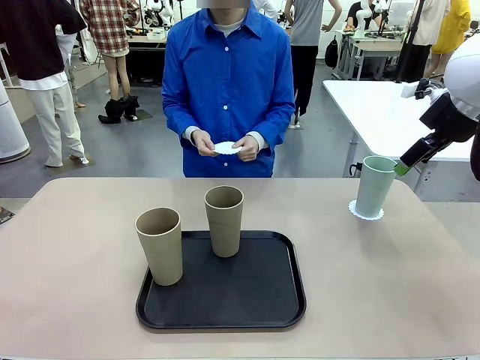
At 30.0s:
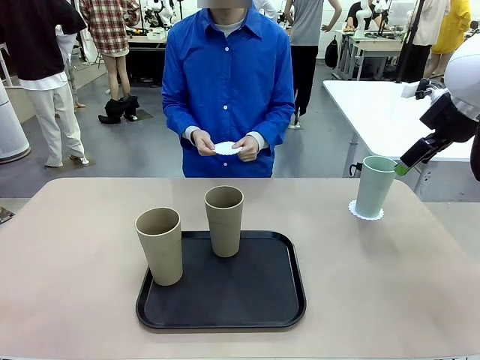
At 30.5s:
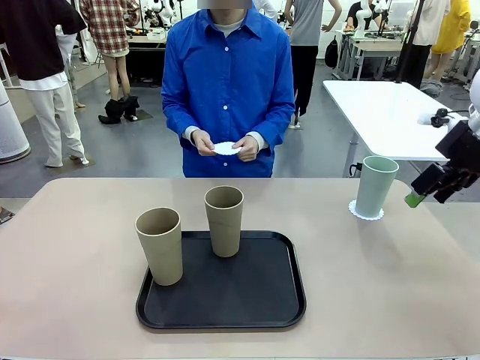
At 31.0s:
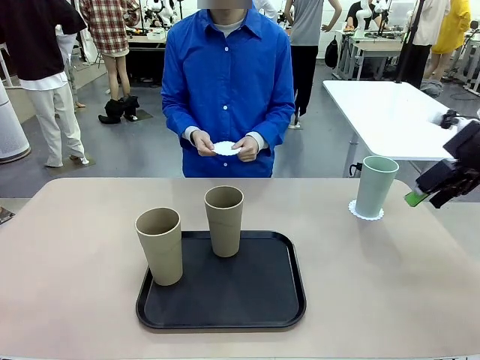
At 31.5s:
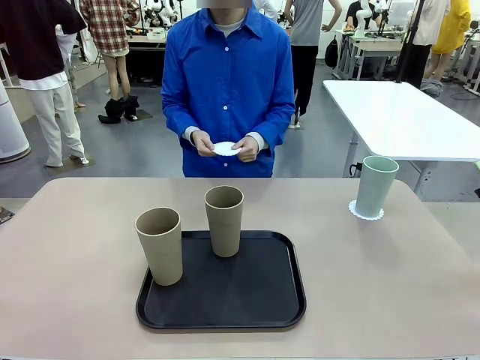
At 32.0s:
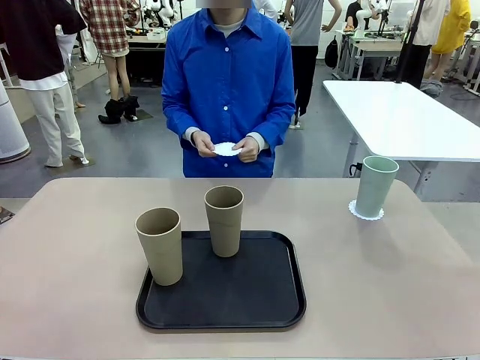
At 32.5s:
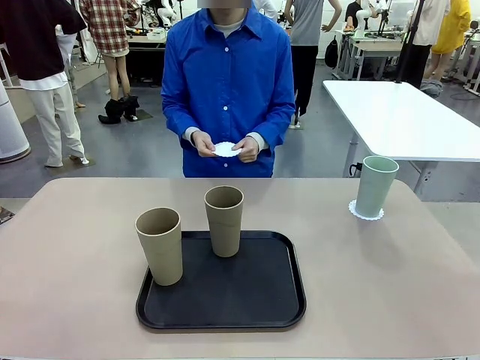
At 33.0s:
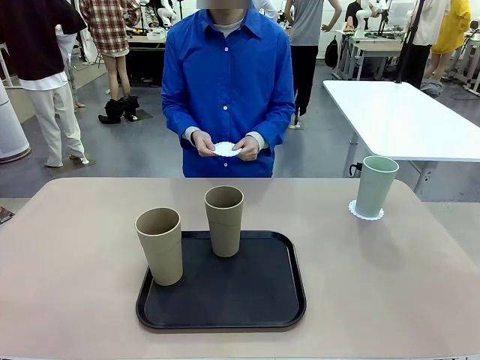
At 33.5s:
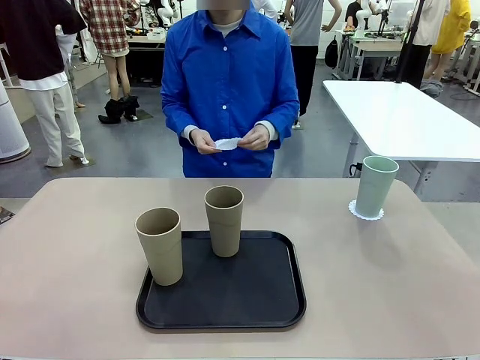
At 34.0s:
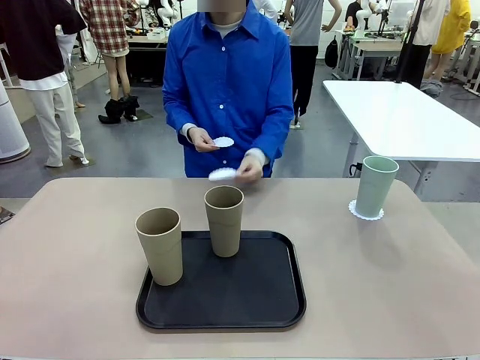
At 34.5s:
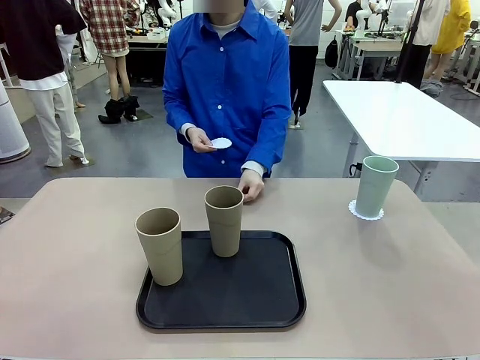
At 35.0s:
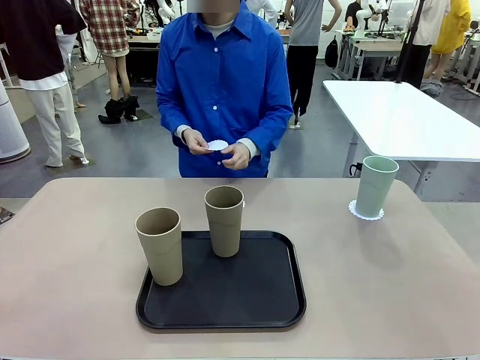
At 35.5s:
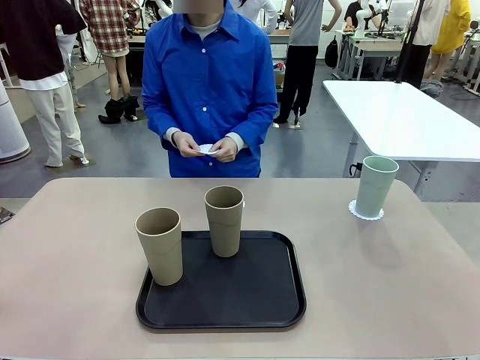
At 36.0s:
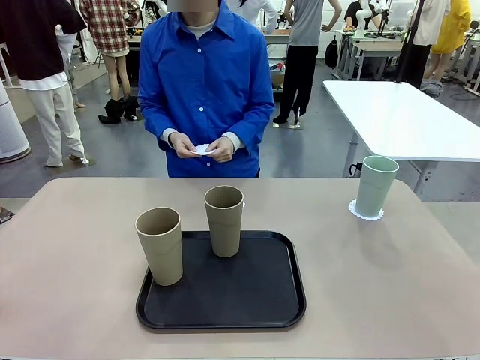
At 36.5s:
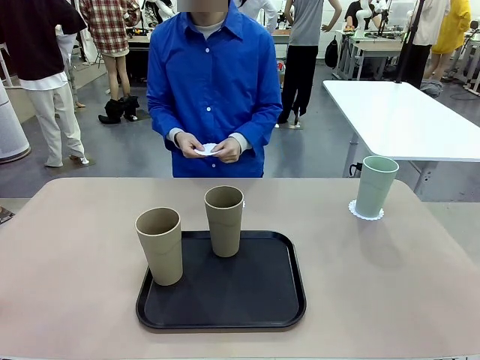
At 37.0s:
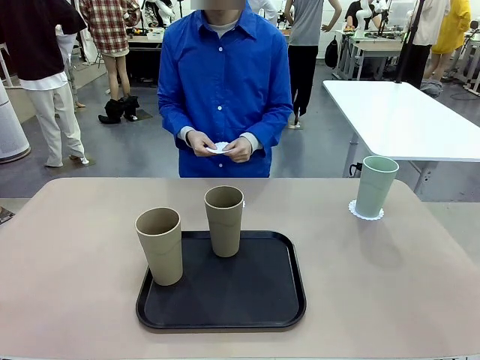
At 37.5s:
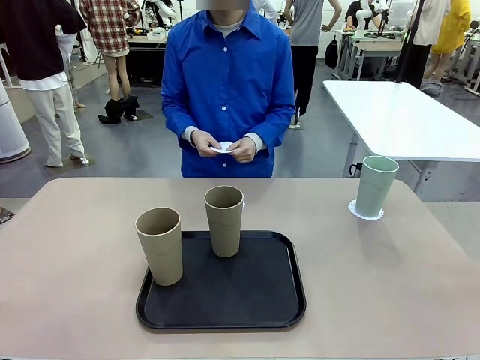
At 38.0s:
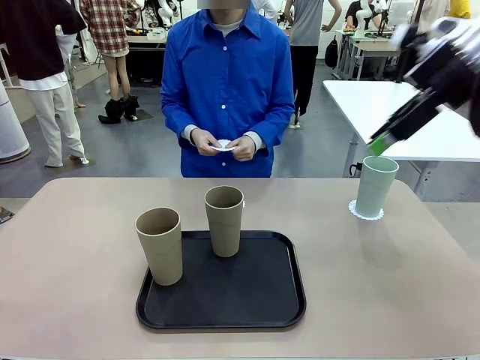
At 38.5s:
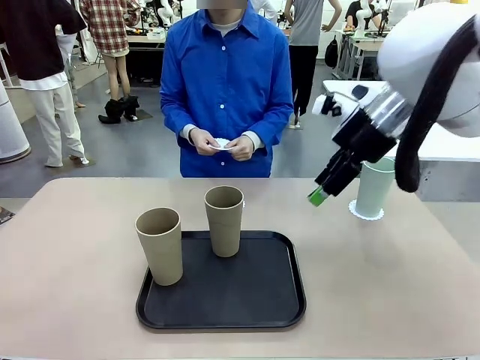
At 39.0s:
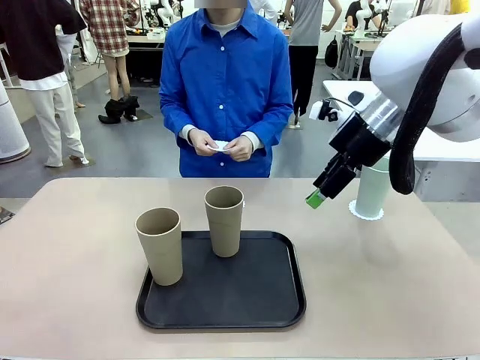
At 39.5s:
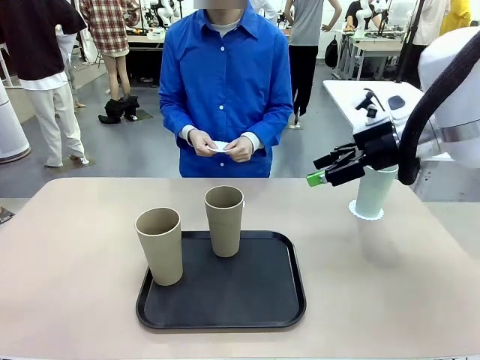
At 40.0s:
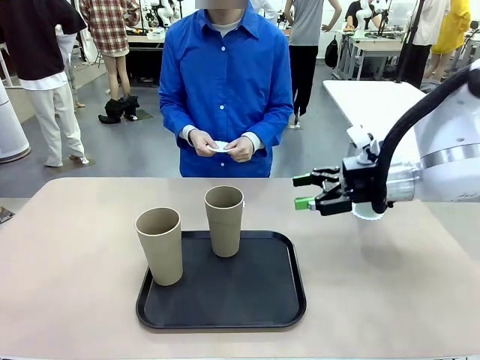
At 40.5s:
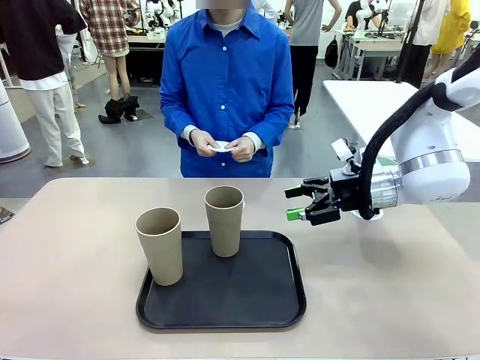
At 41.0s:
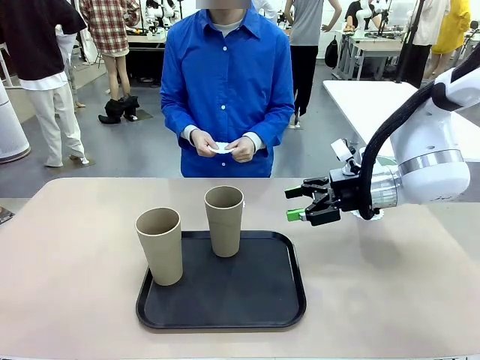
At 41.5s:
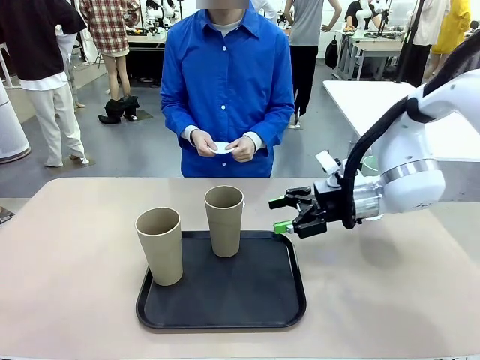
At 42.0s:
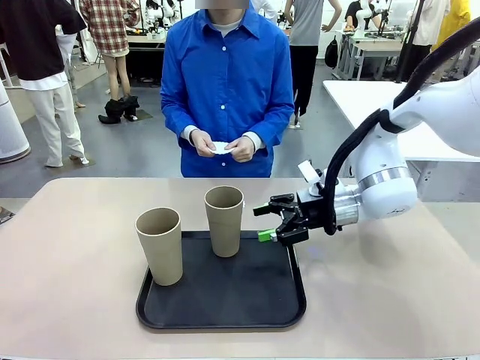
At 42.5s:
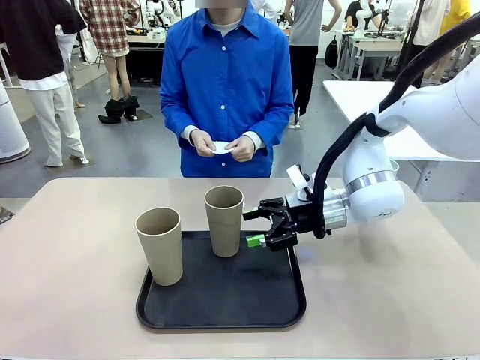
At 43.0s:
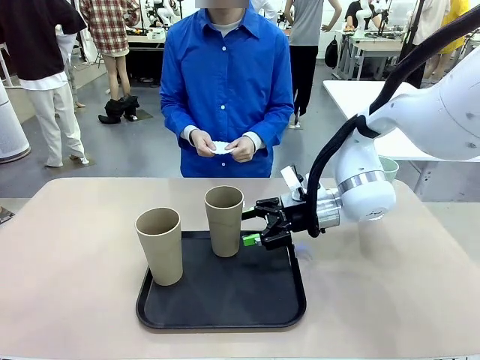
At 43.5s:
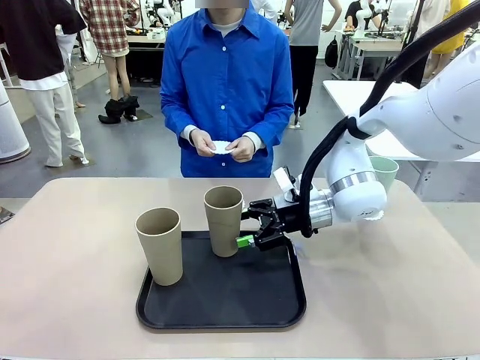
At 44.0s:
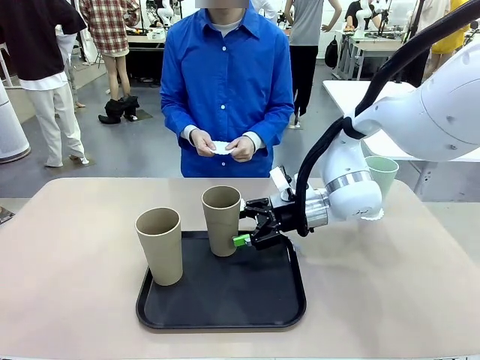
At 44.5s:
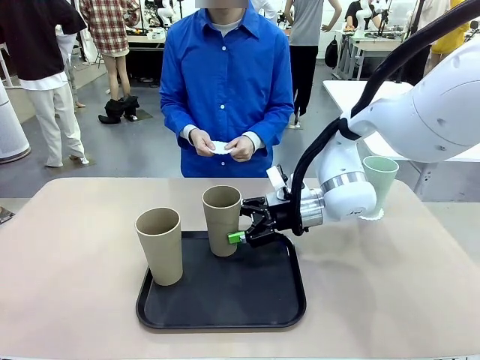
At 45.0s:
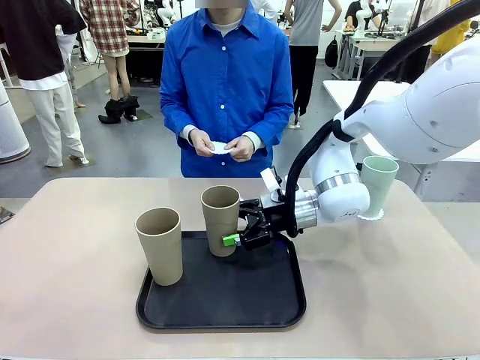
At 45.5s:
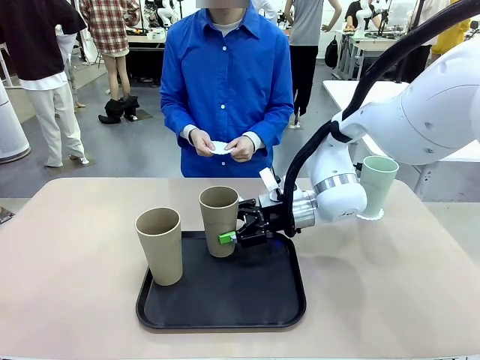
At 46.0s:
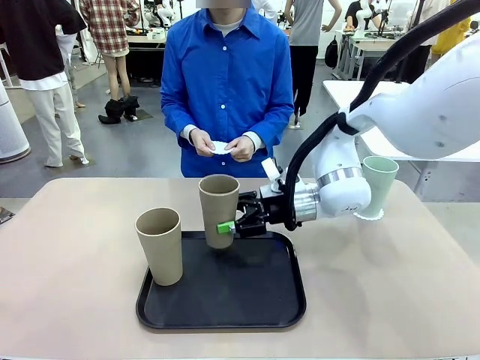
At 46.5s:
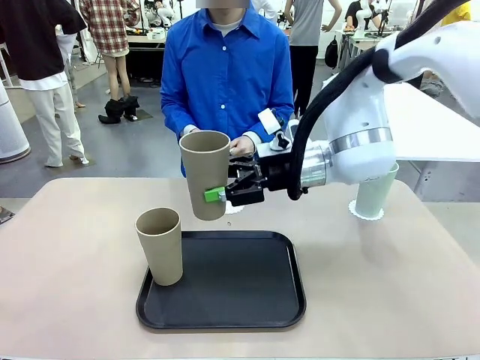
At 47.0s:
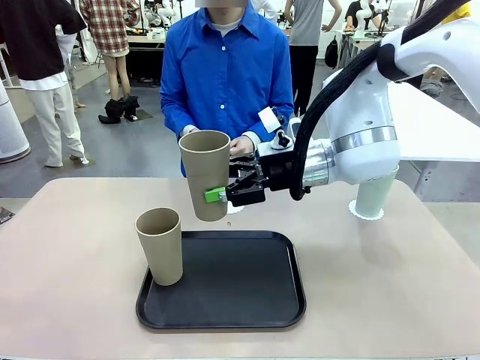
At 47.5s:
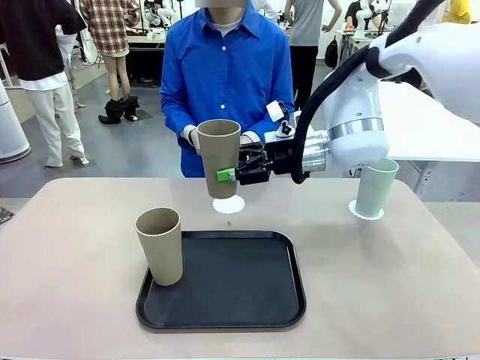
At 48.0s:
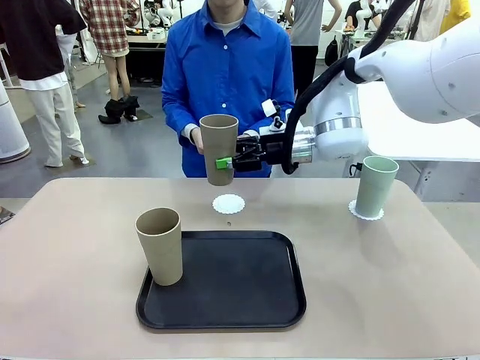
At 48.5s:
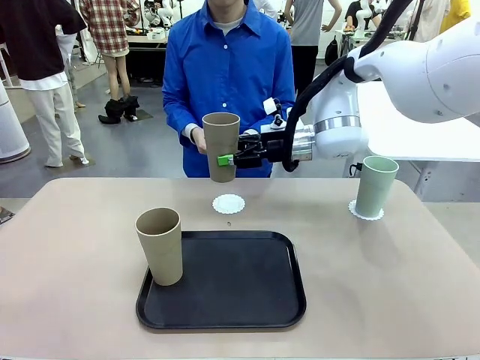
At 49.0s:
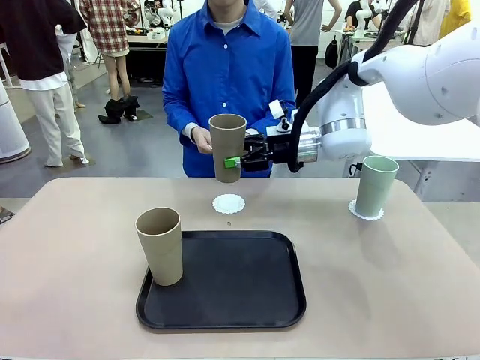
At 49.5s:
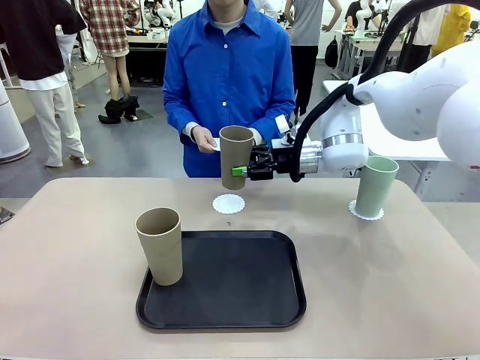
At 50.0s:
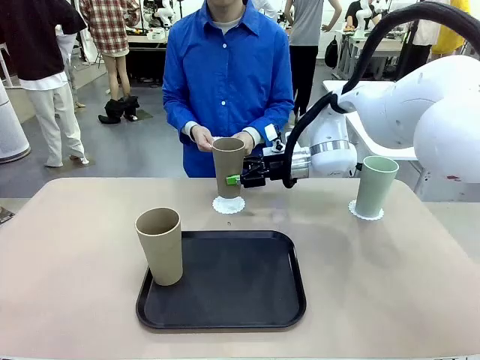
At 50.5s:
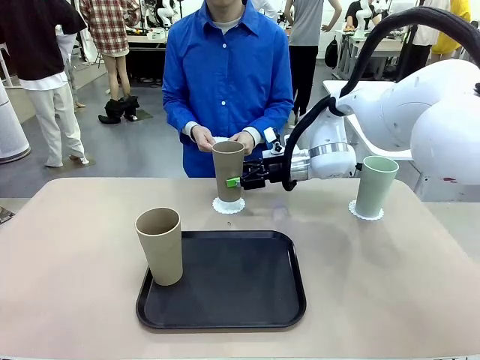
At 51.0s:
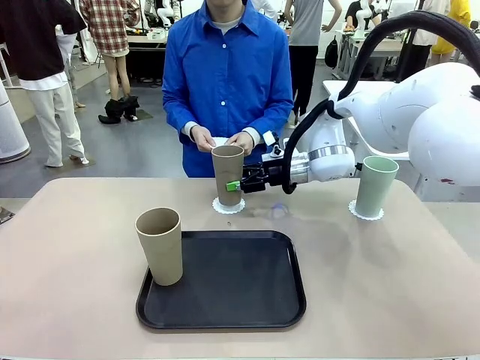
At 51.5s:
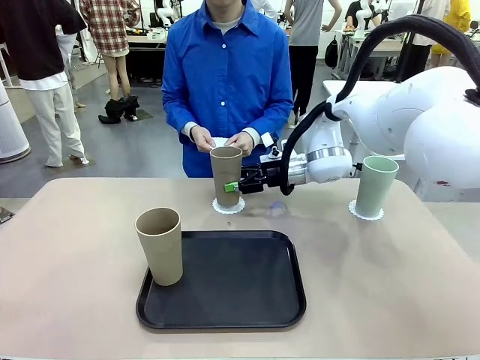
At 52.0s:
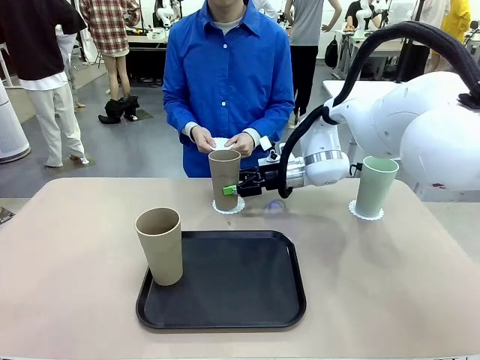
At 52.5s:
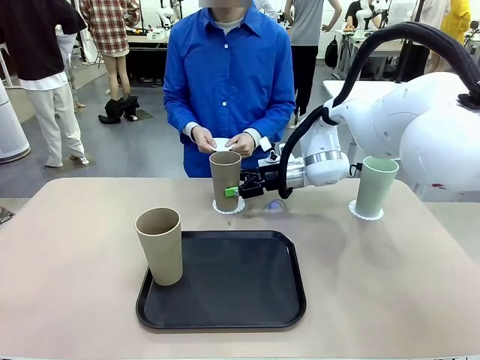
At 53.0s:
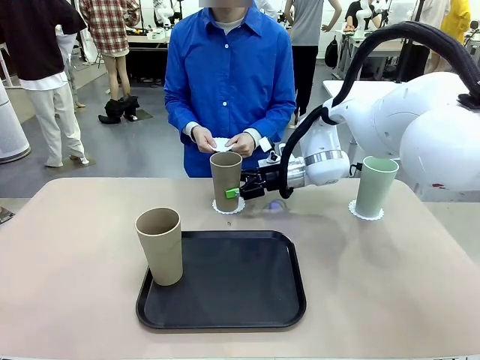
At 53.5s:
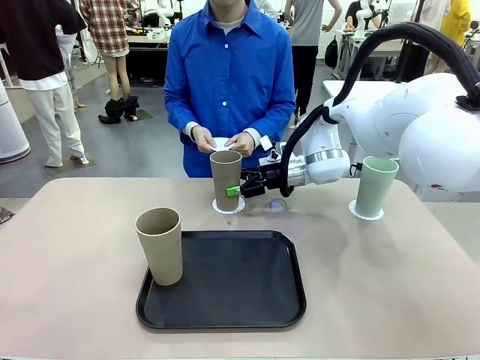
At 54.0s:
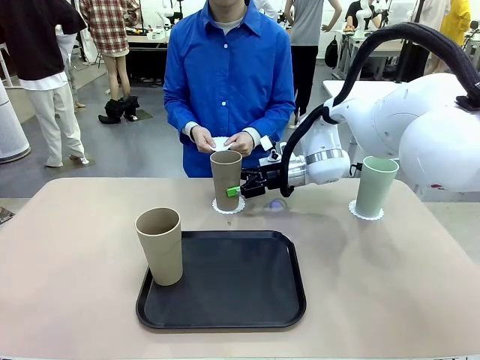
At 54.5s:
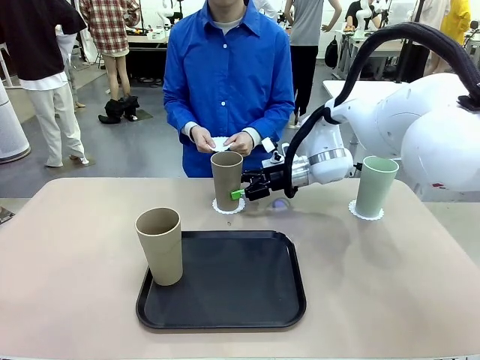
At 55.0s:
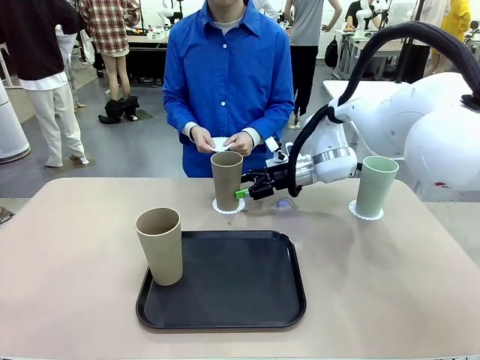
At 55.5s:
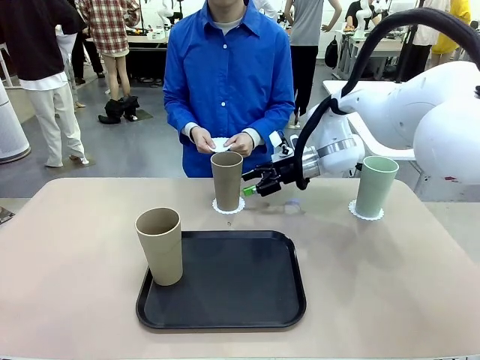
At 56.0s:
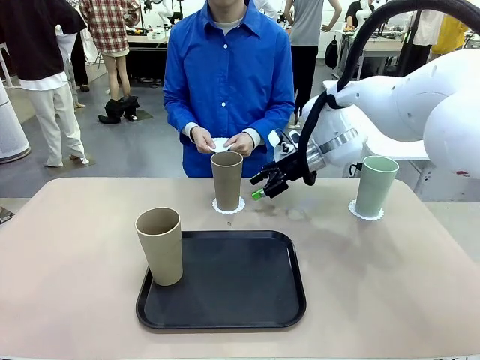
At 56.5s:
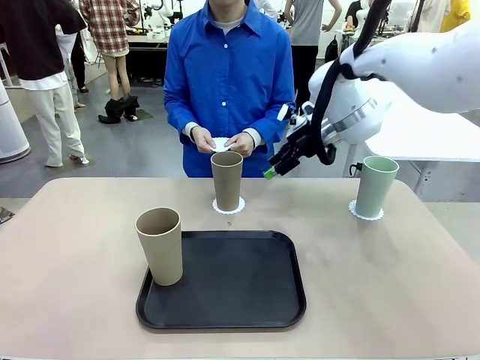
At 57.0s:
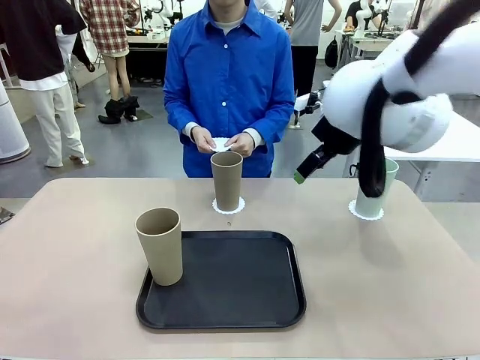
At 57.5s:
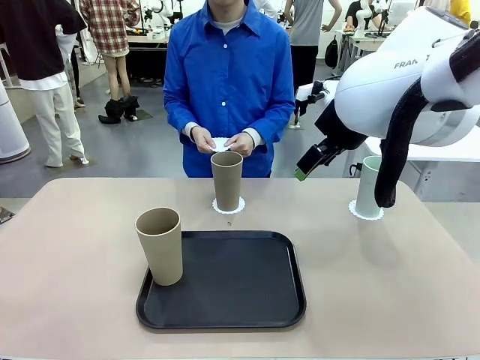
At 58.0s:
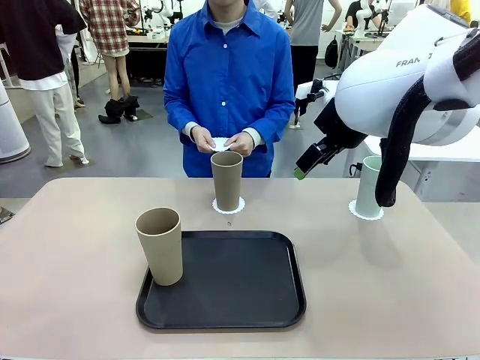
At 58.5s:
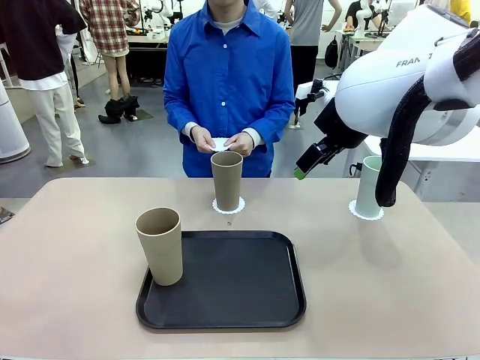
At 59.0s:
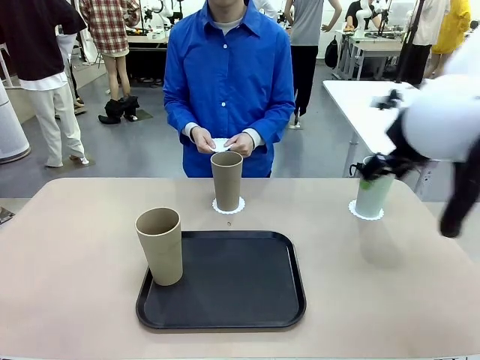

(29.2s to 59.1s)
Task: Place coasters on the table and set cups on them.
Robot: Take one Reusable plastic cup from the Flat Tray and place it on a coaster set by the human.
